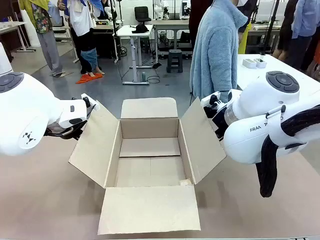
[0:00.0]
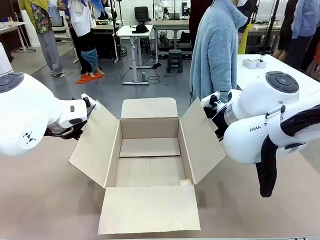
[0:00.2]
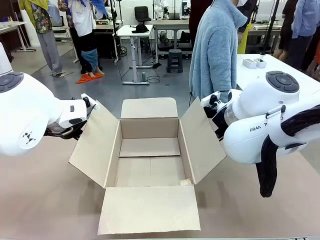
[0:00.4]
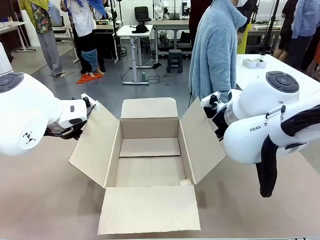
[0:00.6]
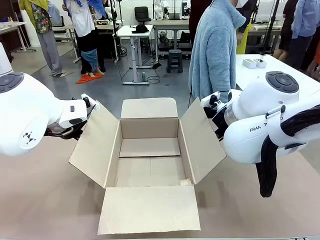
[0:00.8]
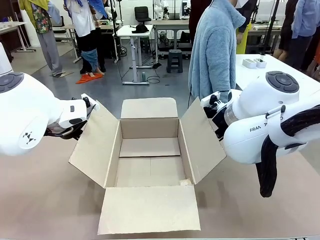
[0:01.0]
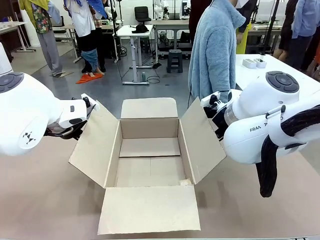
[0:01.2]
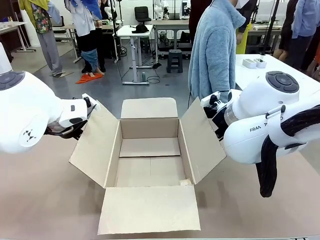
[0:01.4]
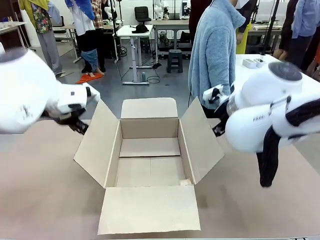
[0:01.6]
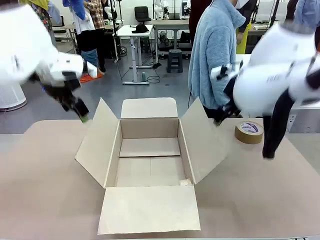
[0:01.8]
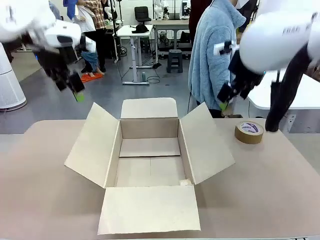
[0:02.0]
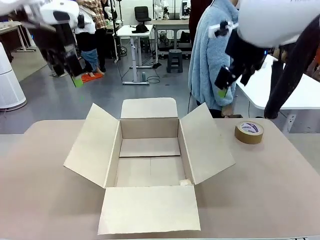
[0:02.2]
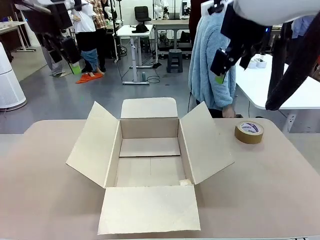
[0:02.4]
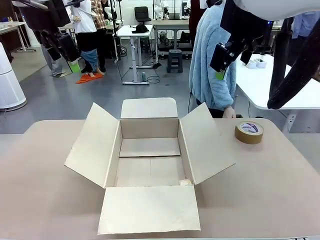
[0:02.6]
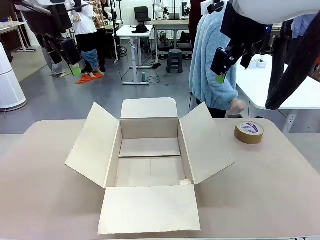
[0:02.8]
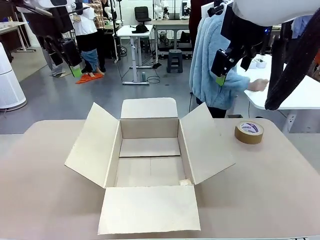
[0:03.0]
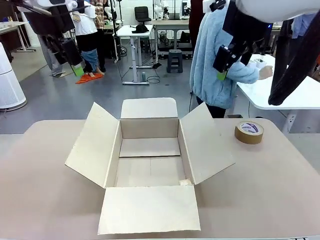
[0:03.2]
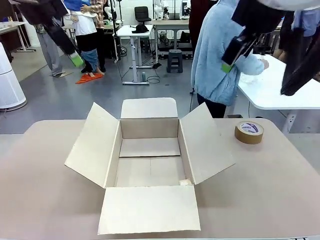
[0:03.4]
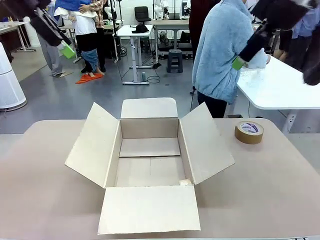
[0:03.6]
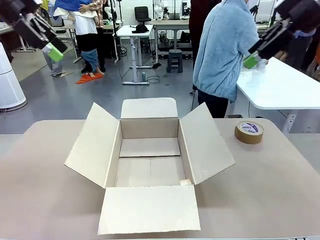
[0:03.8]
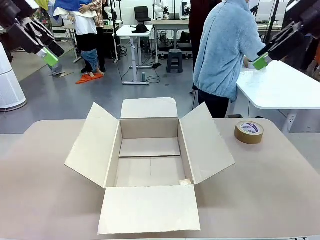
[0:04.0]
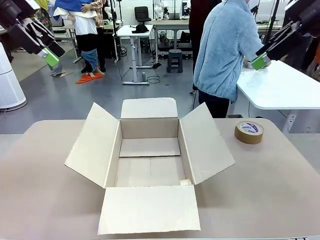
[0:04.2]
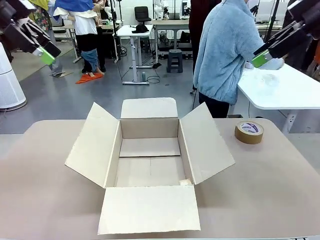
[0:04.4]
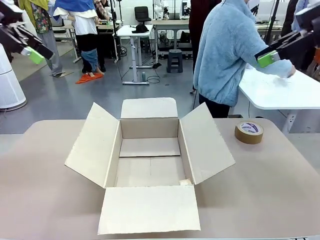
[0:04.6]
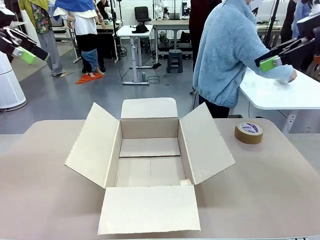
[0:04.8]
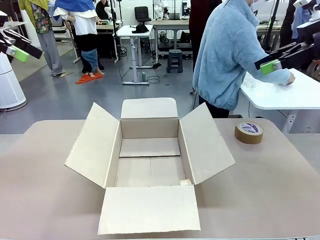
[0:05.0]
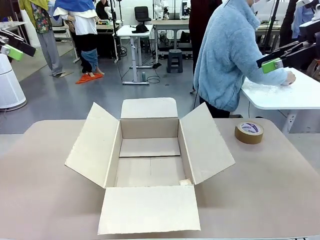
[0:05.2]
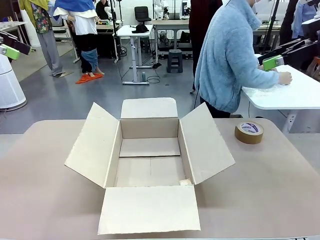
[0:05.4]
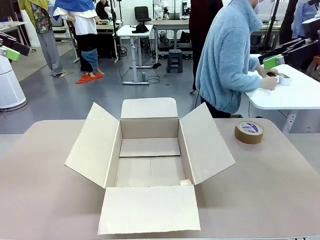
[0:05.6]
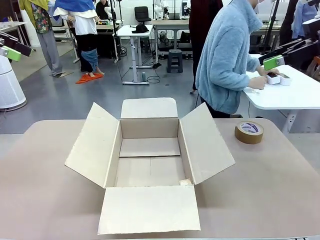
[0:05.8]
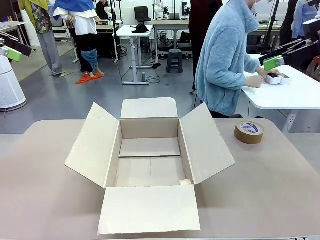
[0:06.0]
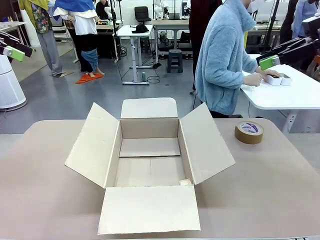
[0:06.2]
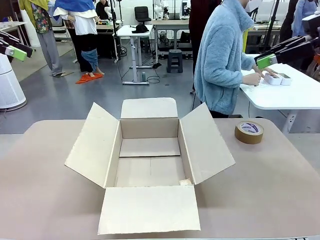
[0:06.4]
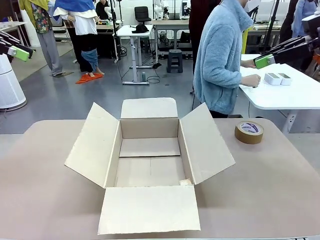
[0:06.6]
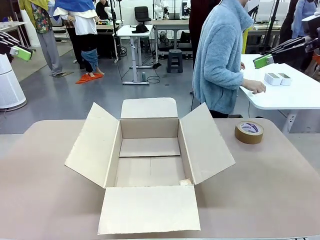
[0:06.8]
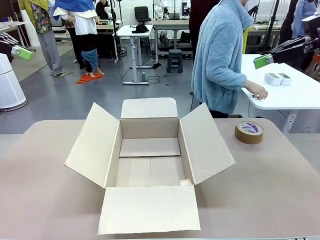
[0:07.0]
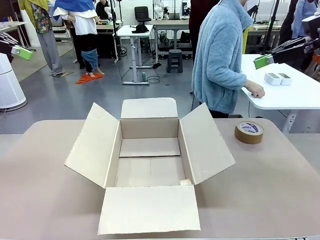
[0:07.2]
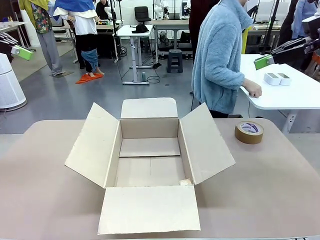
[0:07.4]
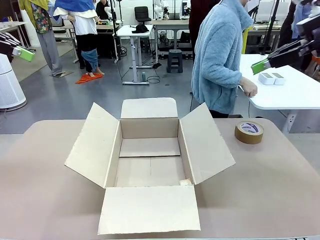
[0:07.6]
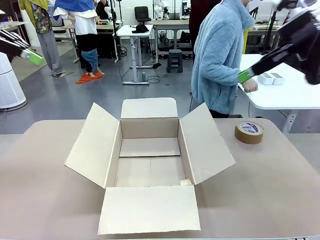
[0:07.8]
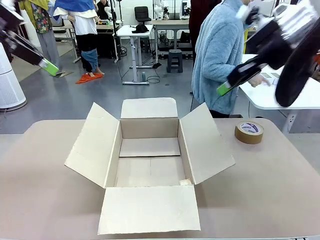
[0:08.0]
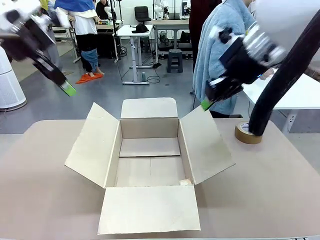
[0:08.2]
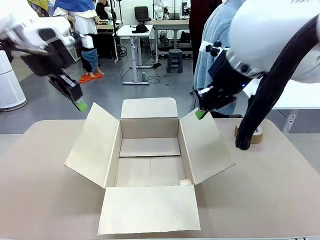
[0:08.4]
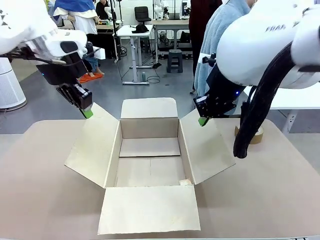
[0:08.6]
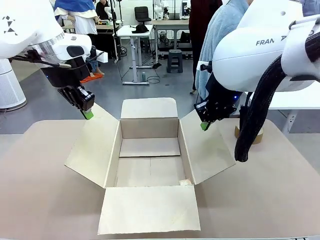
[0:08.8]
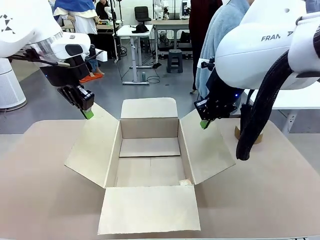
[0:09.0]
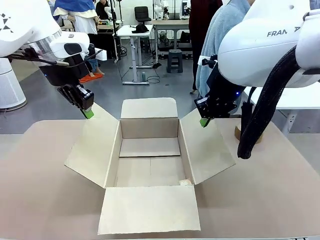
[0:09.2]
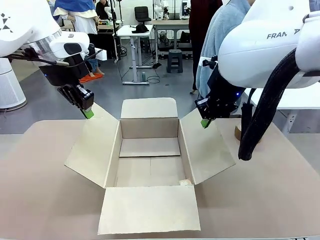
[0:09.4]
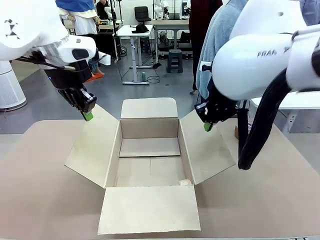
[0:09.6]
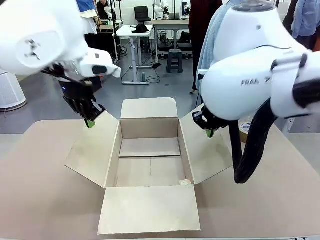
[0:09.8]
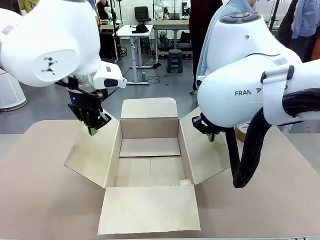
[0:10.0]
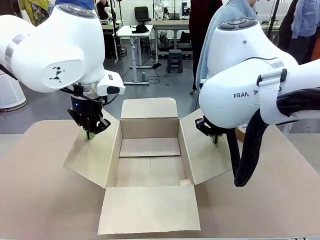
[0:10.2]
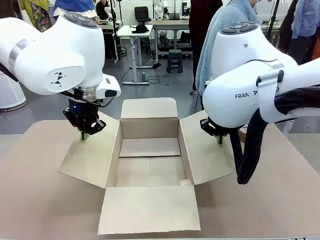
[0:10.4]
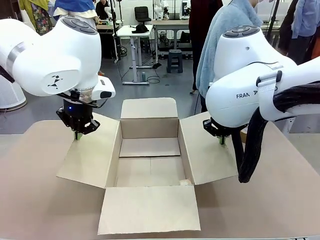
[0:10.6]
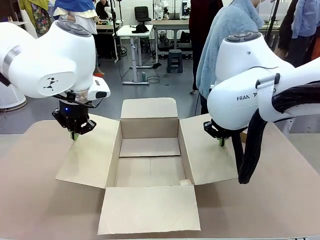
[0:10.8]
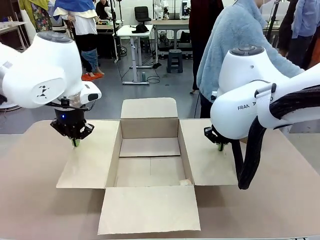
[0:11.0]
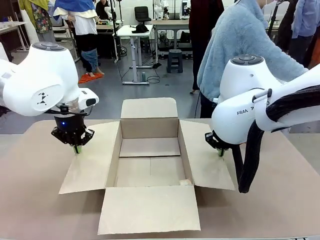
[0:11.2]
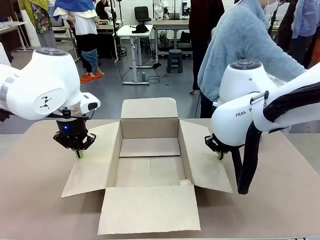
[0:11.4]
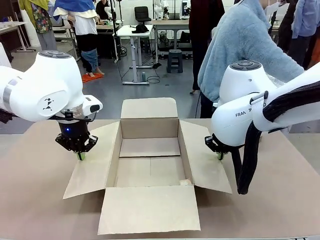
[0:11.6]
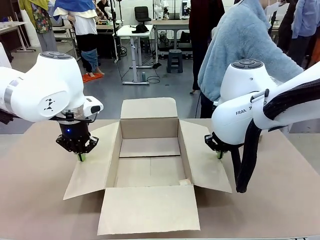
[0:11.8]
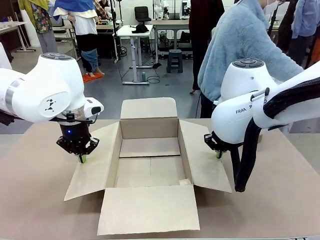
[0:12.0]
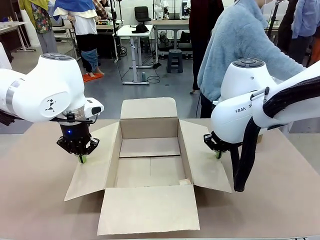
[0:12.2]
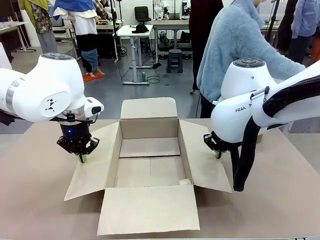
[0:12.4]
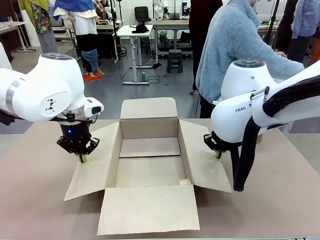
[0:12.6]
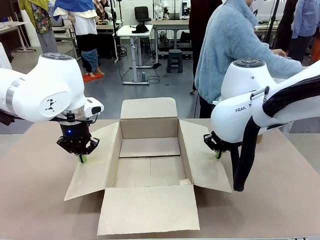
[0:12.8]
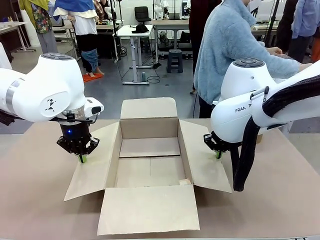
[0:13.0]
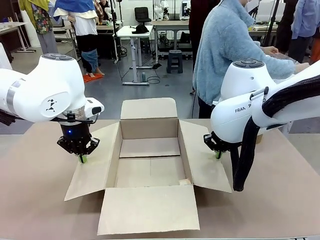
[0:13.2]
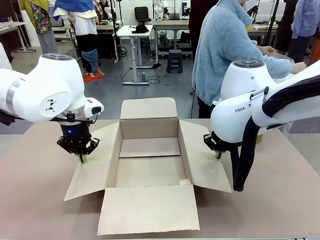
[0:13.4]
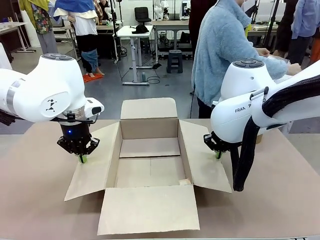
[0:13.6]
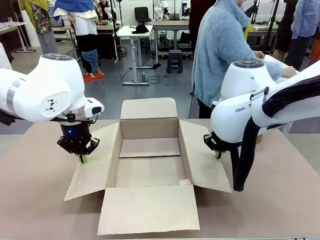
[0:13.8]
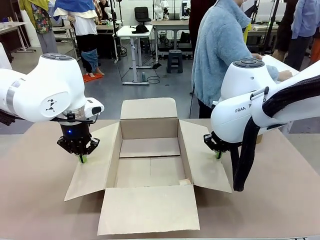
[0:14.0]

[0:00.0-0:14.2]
Task: Wrap the clocks to prevent damage.
Robot: Open the side flaps of the Package Box.
Person: Wrap the two Digital clocks with Bubble Wrap.
